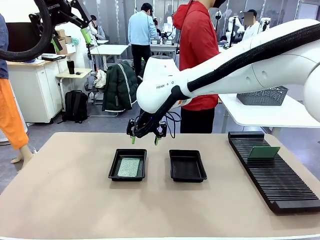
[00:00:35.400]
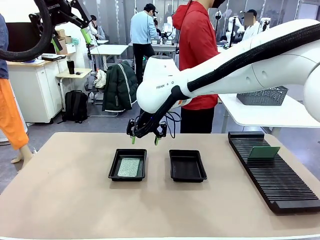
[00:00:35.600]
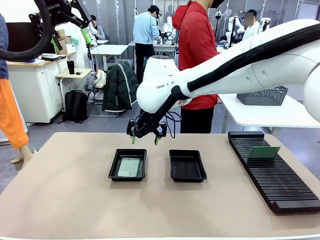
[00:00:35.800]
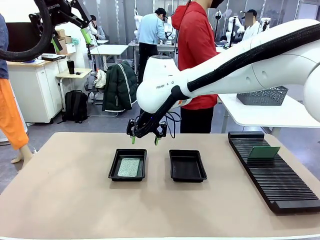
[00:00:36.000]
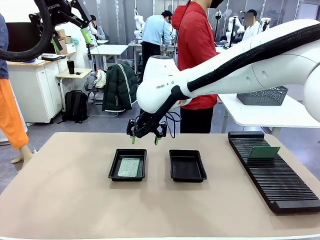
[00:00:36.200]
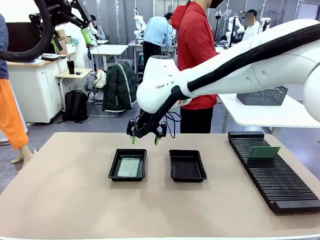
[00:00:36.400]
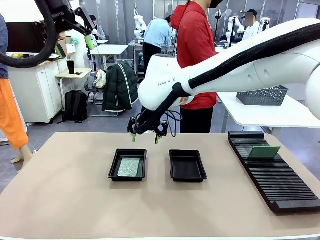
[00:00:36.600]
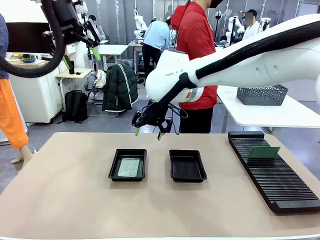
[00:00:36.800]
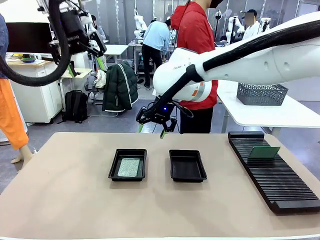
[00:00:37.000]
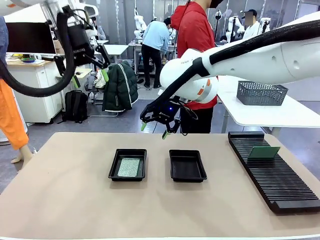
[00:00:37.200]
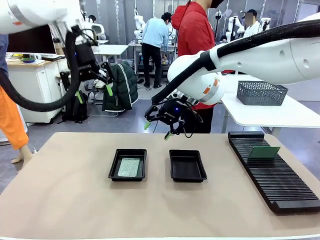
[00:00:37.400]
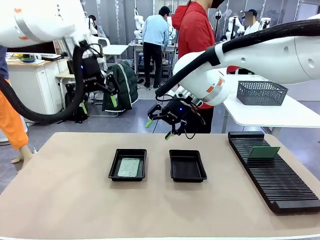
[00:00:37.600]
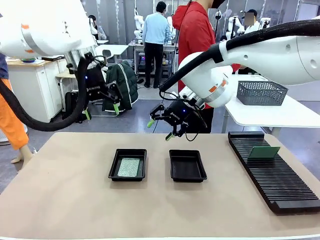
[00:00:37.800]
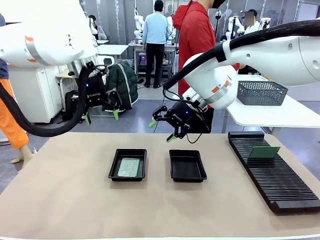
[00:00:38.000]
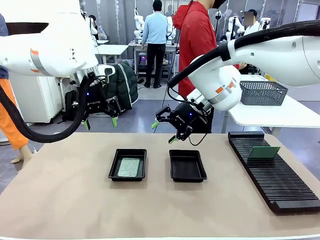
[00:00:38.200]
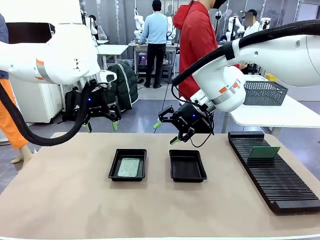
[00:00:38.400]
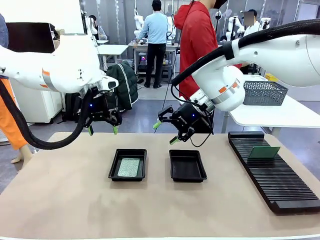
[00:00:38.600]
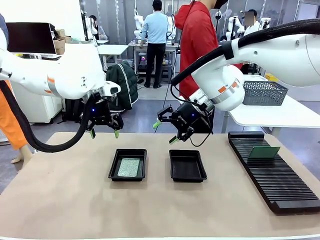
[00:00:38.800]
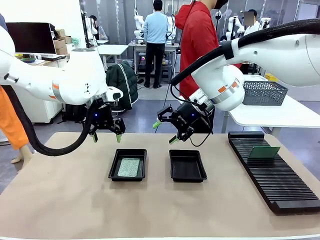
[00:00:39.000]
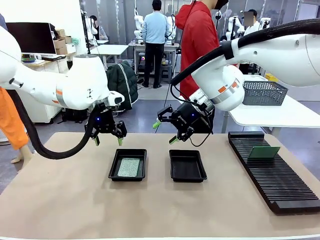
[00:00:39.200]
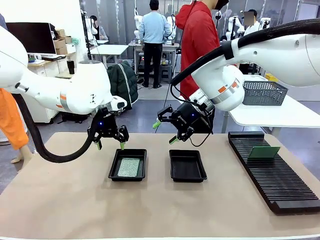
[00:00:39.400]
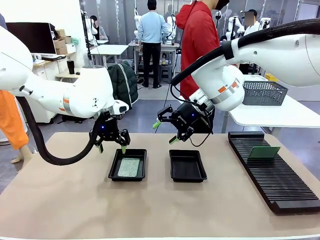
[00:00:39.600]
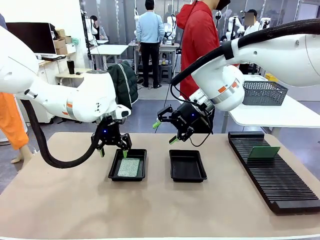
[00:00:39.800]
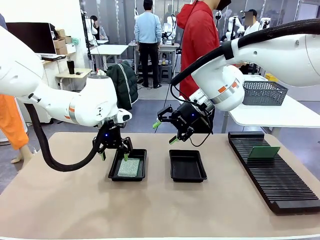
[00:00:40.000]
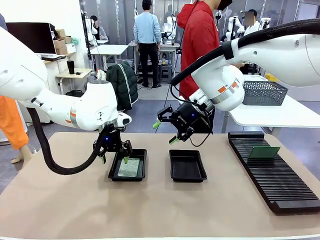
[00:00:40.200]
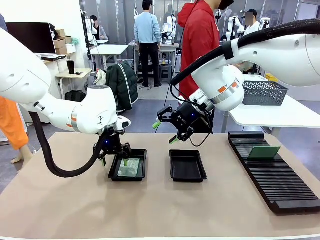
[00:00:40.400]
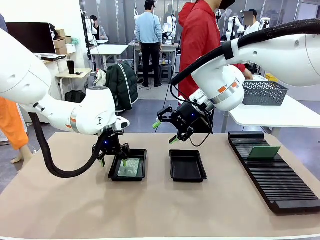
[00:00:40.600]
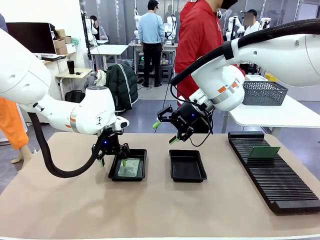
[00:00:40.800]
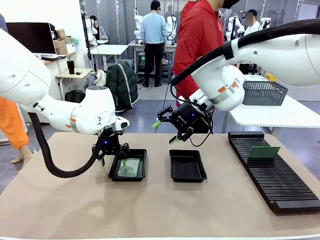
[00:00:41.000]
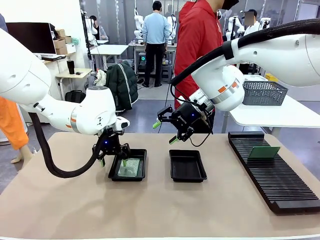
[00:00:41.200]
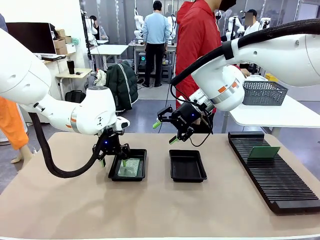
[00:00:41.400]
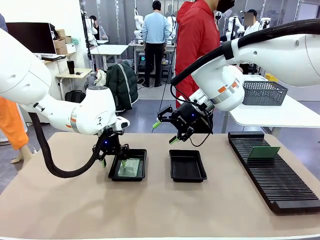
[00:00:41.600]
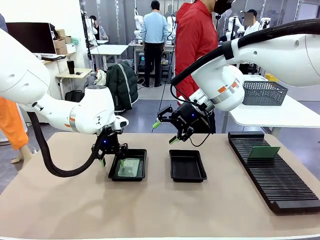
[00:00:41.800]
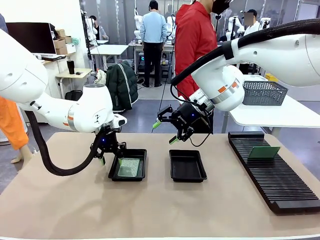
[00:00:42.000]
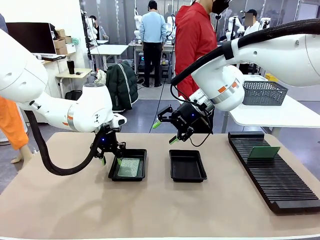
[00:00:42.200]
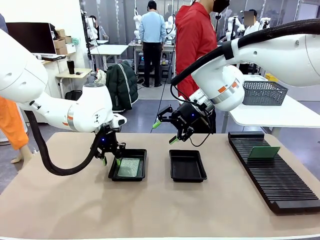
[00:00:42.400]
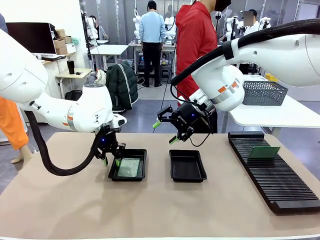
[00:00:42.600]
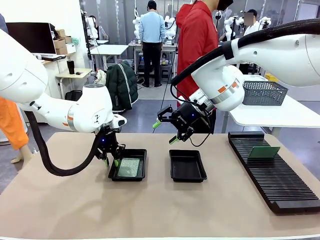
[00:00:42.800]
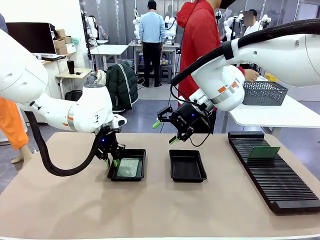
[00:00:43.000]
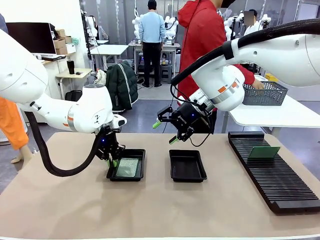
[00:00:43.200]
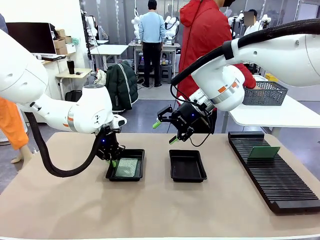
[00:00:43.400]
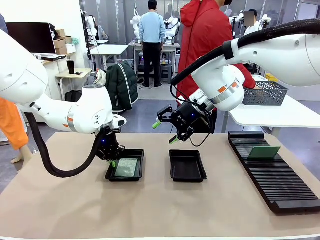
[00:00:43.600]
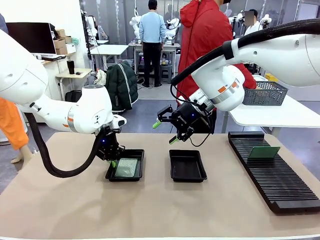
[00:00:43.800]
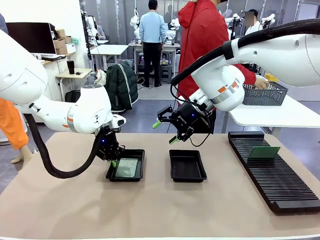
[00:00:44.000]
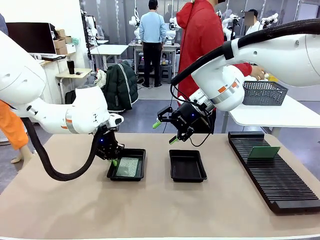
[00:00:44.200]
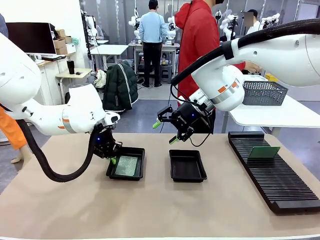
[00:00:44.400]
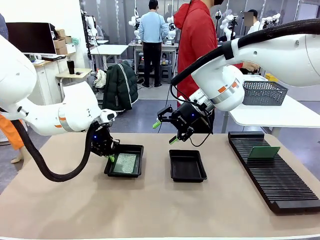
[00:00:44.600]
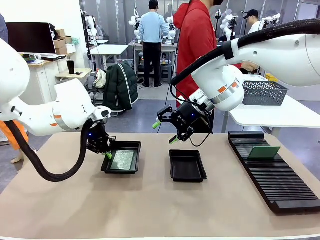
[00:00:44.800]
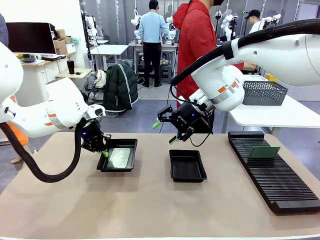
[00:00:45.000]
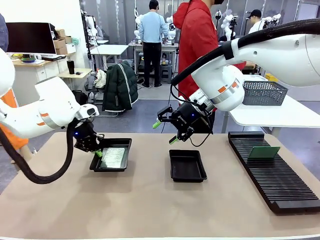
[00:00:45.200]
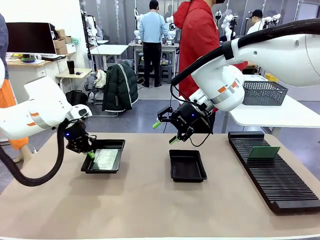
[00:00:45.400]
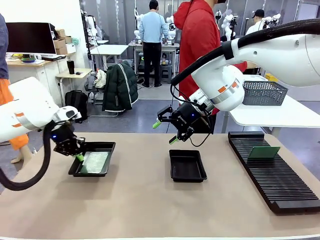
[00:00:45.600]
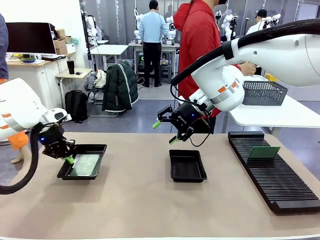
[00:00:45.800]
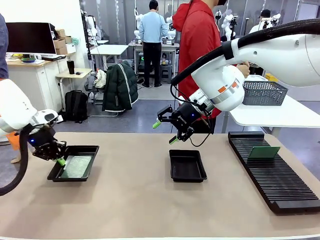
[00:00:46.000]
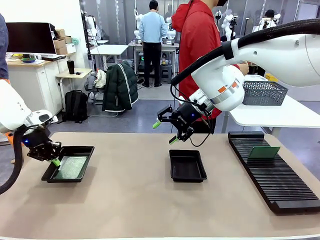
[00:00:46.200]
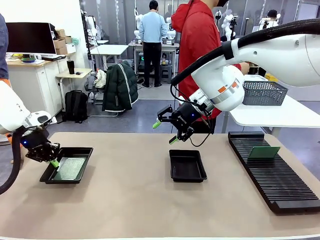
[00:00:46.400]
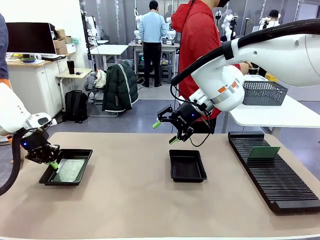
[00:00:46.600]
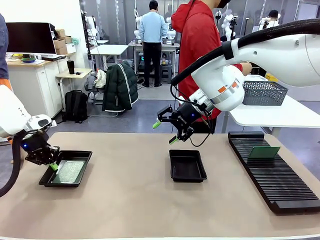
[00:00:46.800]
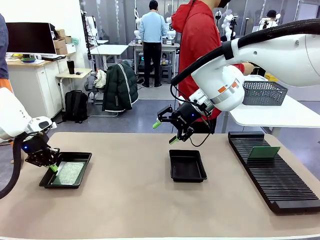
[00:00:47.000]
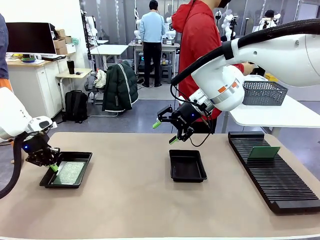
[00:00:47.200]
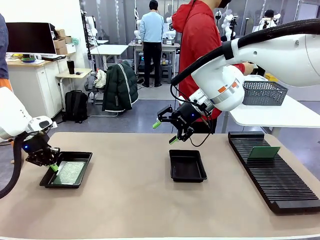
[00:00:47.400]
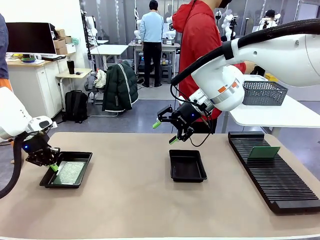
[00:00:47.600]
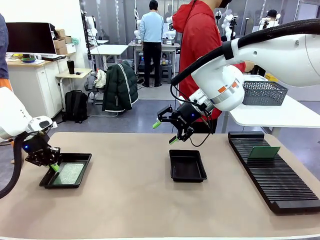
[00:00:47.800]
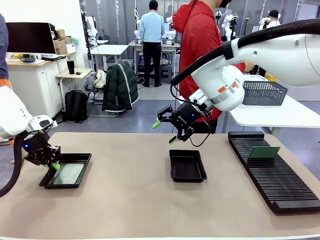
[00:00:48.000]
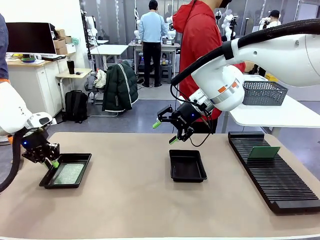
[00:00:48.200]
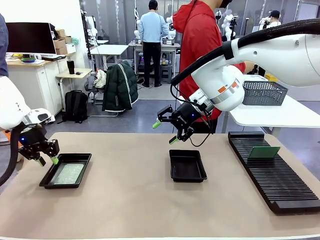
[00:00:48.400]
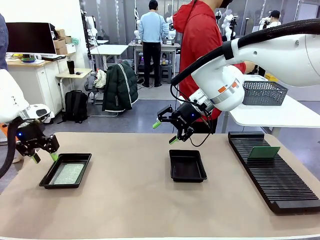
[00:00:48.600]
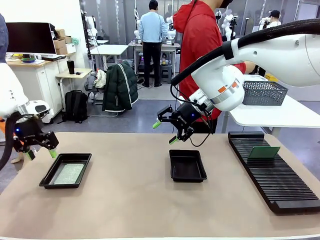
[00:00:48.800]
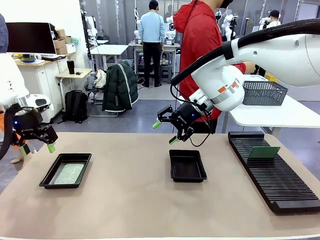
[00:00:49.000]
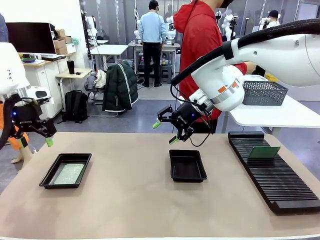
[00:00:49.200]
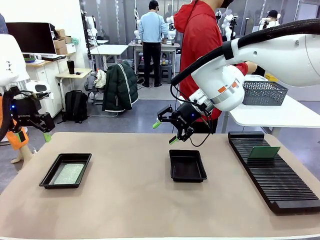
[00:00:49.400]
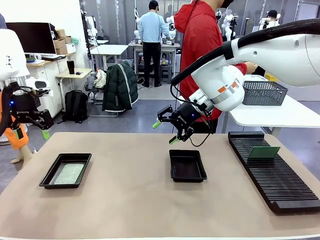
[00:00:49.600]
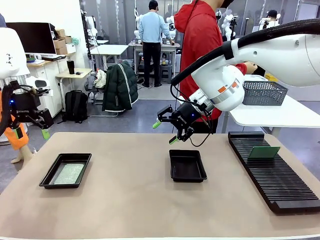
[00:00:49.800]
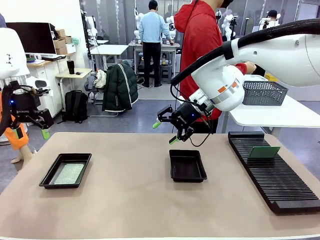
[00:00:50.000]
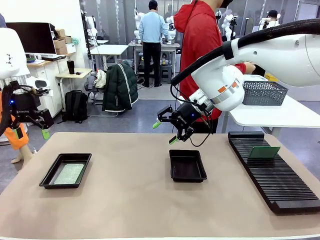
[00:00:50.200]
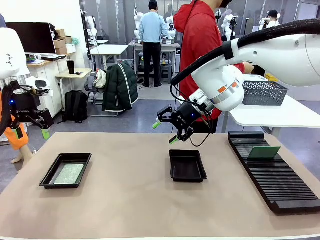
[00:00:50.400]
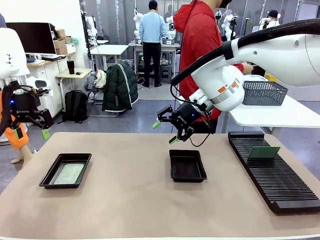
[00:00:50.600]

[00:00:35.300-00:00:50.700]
Task: Inspect and transfer BCBs to ESD trays.
Robot: Pick up the ESD tray and place it on the left side of the table.
